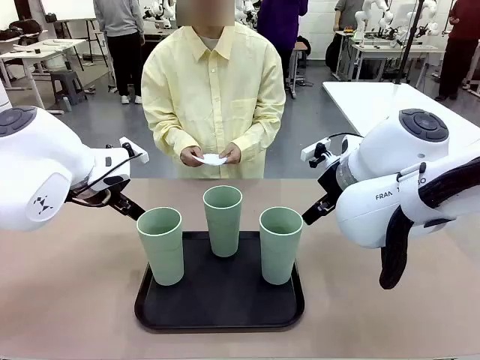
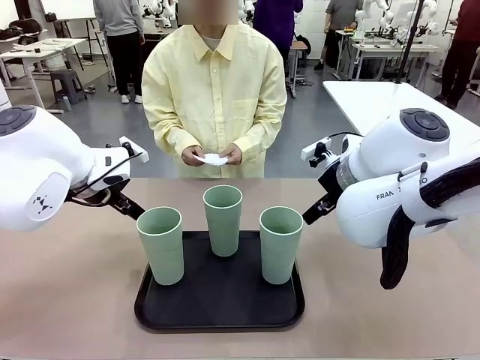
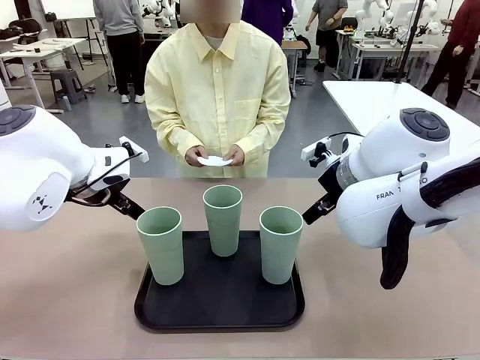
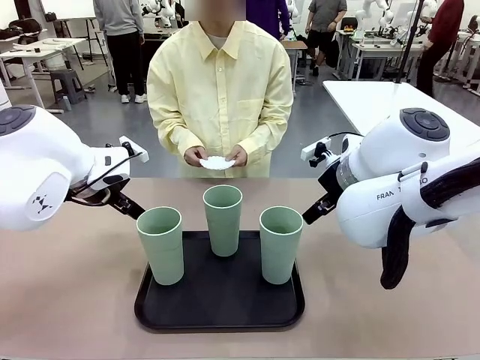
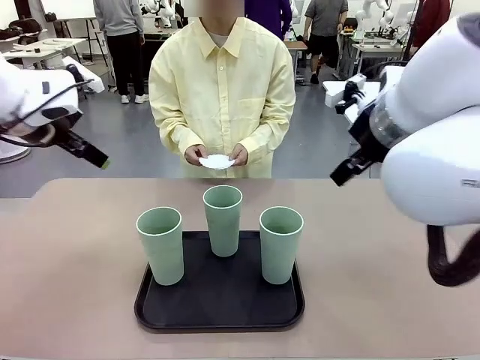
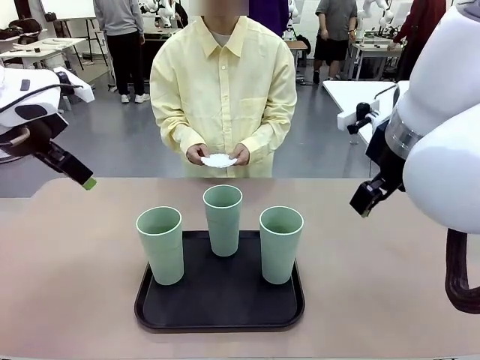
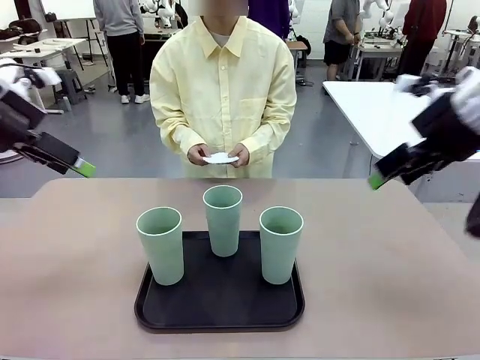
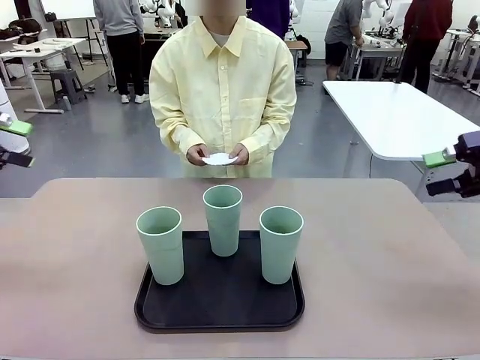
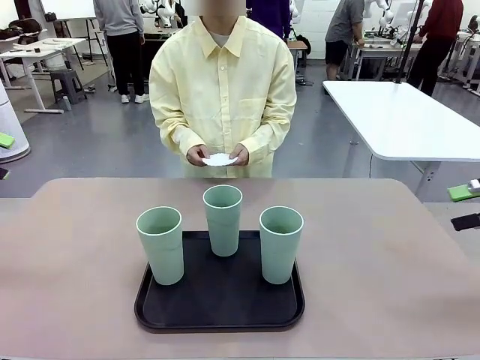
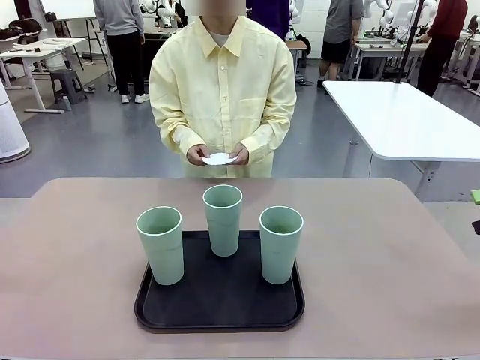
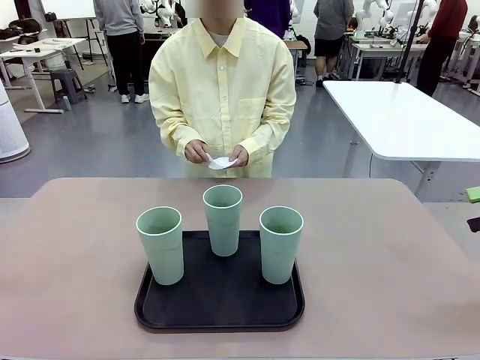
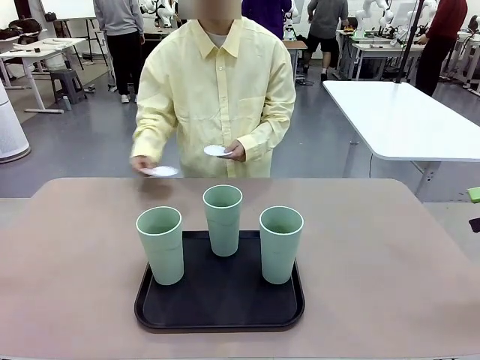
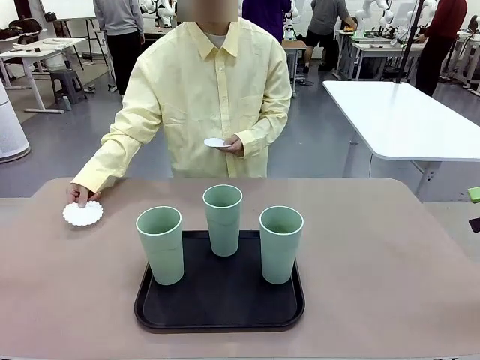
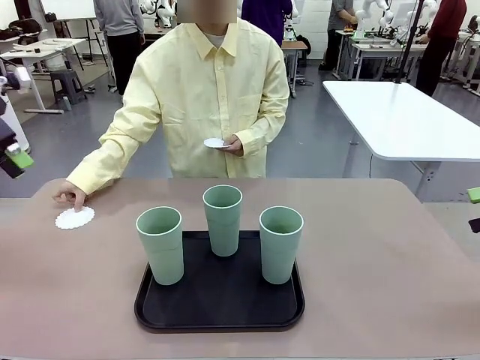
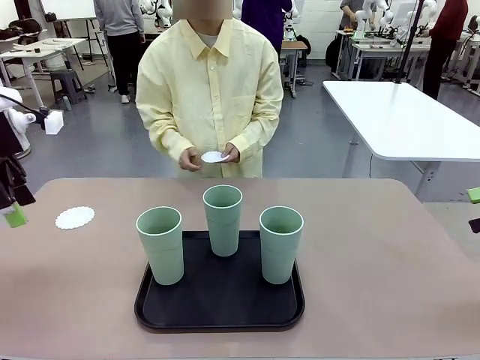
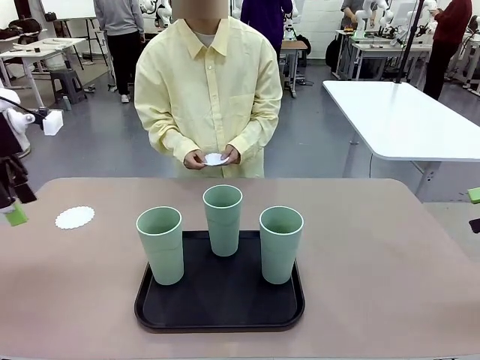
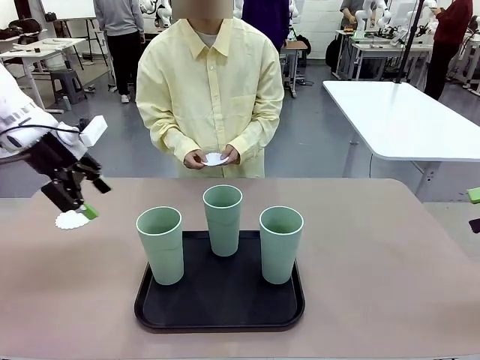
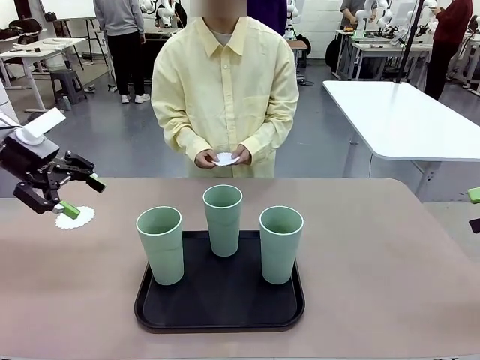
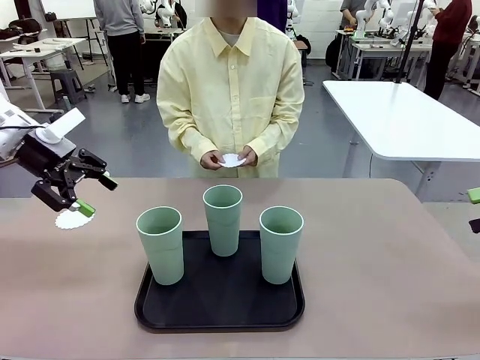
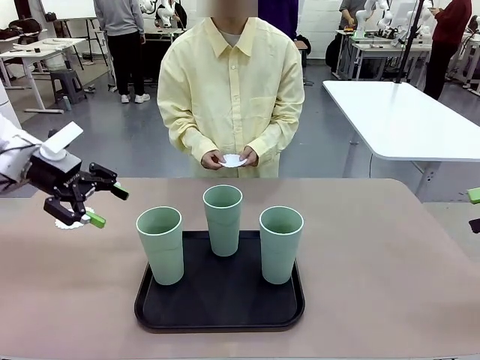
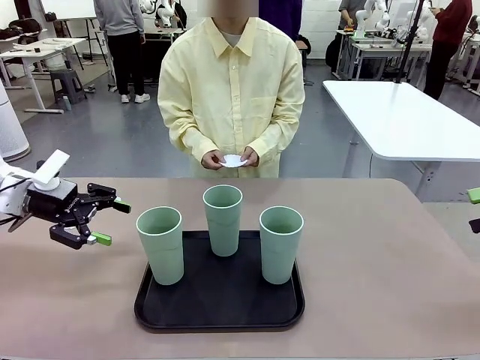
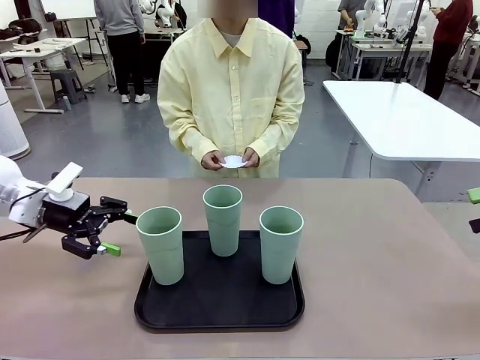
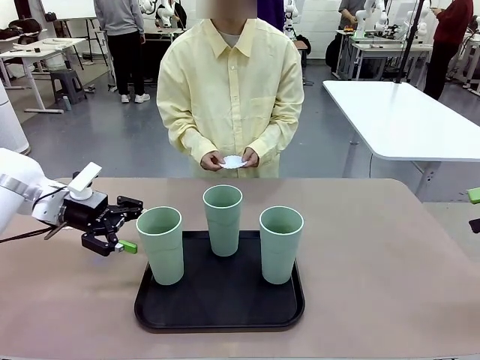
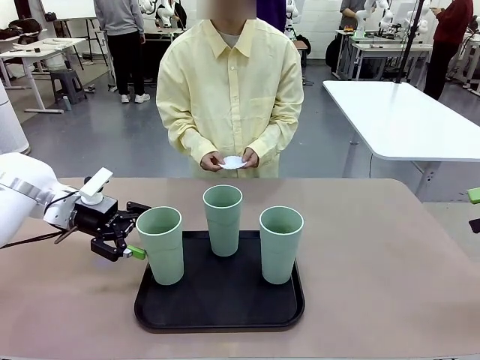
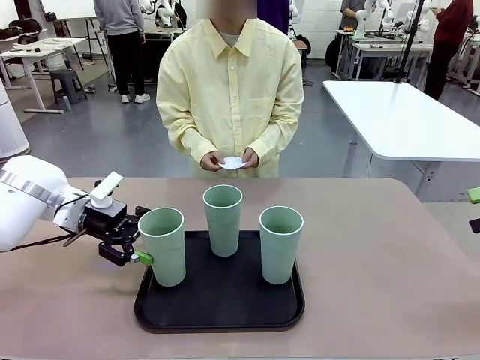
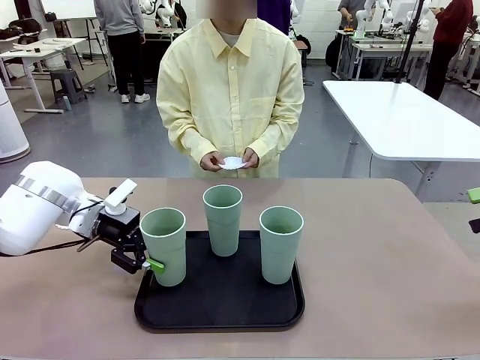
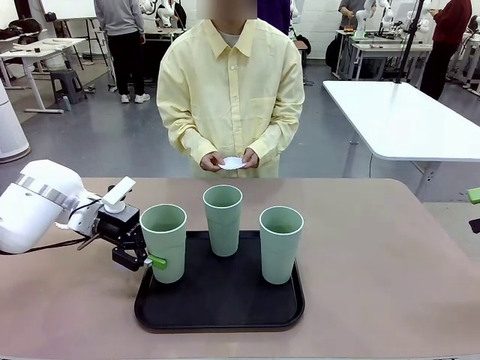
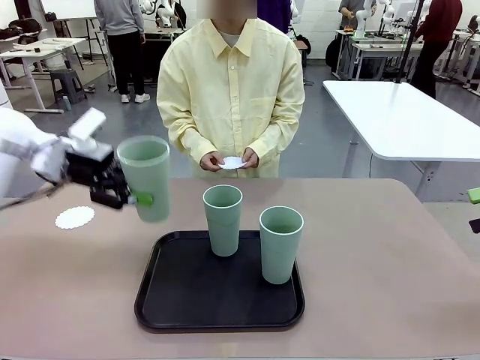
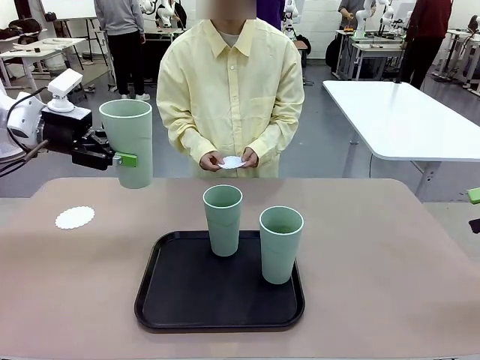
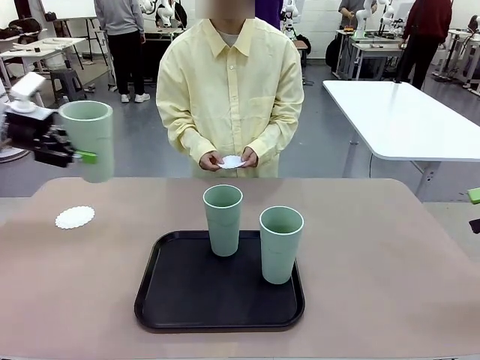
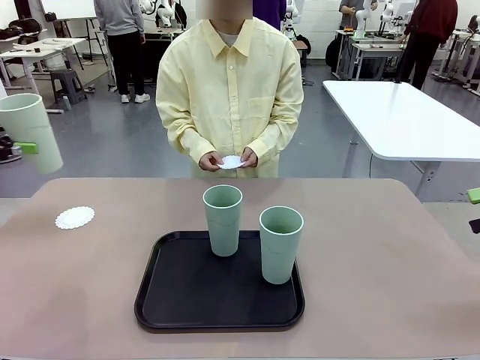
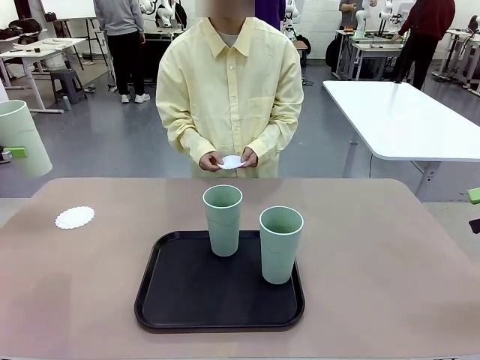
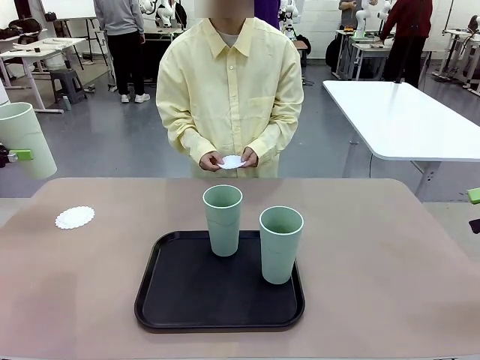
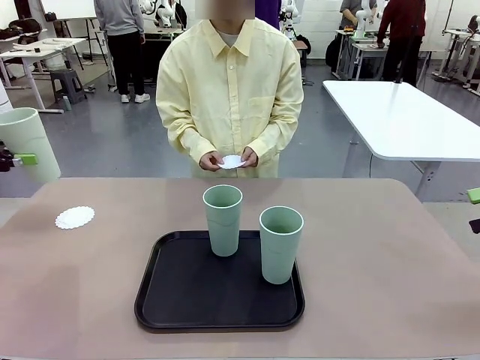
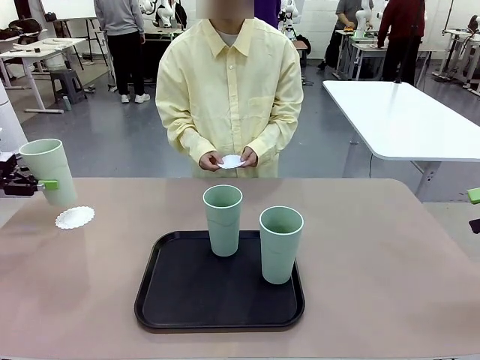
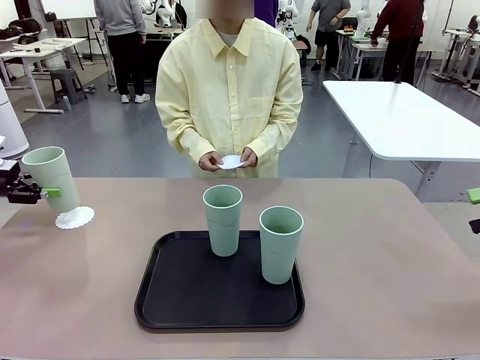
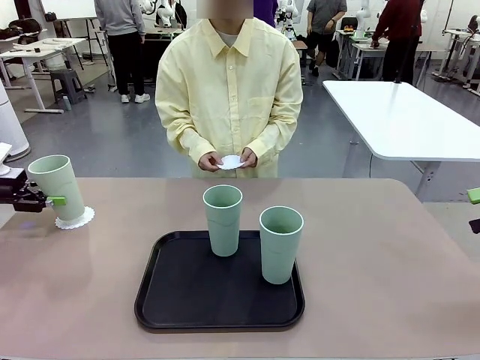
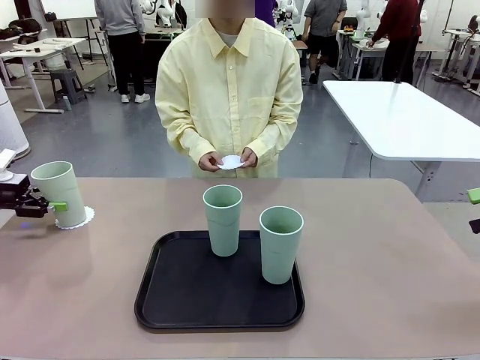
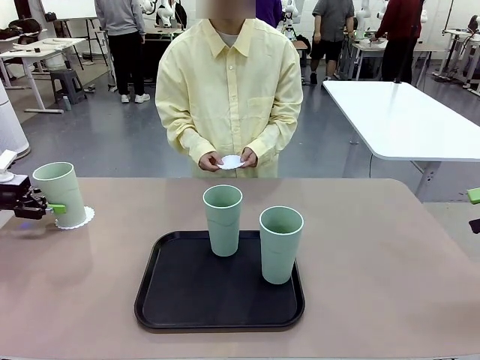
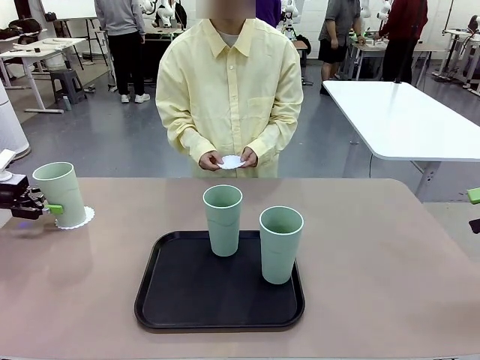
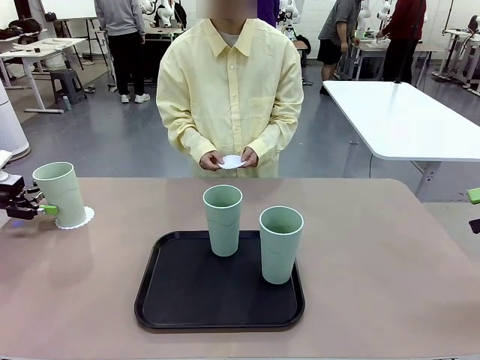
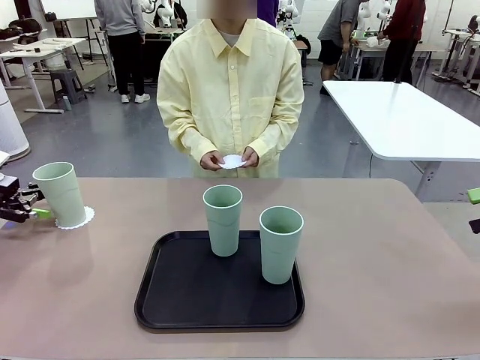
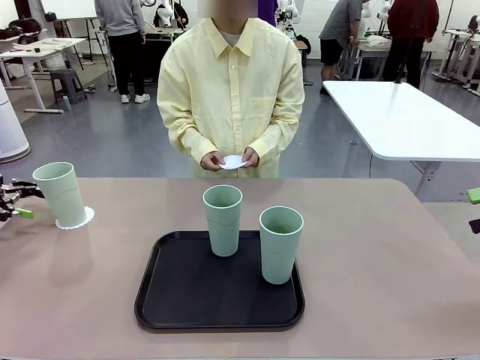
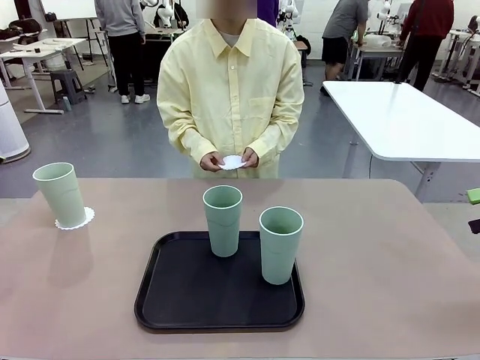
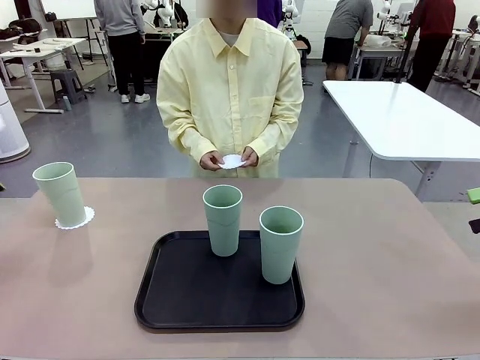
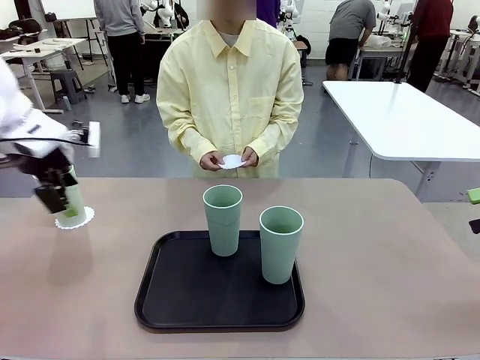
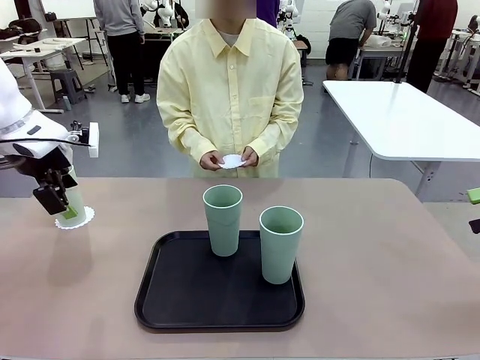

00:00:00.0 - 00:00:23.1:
Task: Place coasters on the table and set cups on them.
Robot: Pick up one Reusable plastic cup and place it on a coaster set by the human.
Person: Place one coaster in any one of the three lower areas of the robot table (left, center, or right). Place one coaster in one of the two areas excluding the previously selected area.
